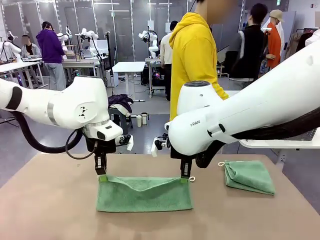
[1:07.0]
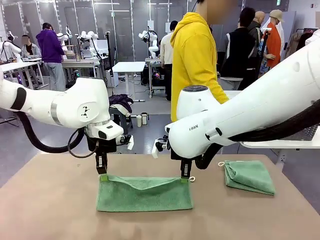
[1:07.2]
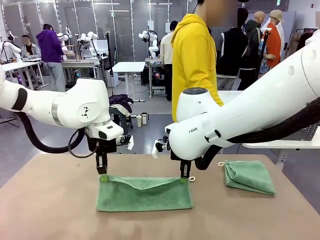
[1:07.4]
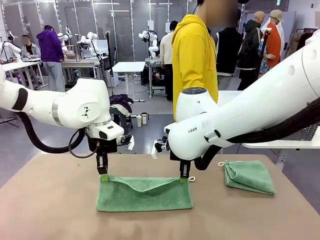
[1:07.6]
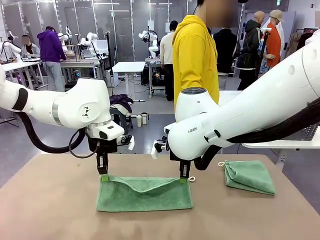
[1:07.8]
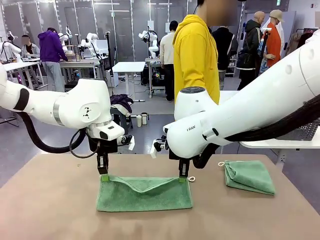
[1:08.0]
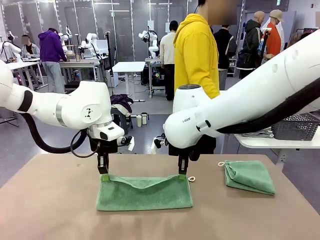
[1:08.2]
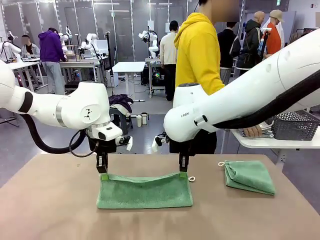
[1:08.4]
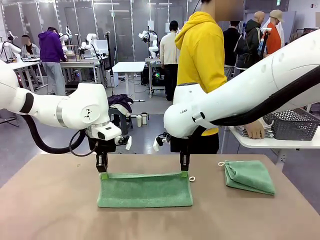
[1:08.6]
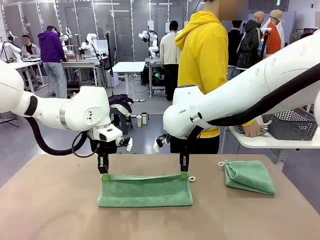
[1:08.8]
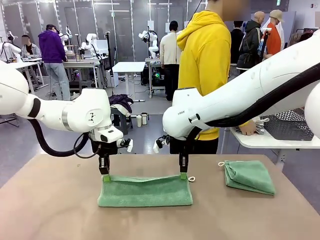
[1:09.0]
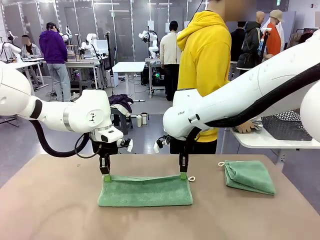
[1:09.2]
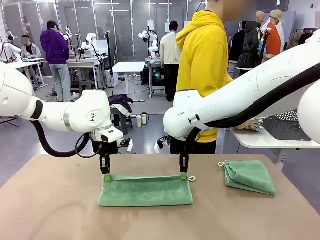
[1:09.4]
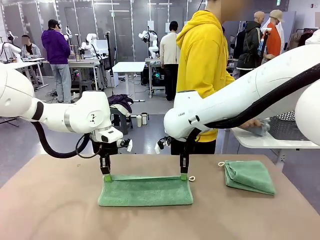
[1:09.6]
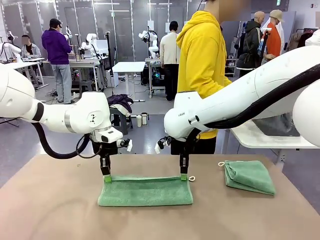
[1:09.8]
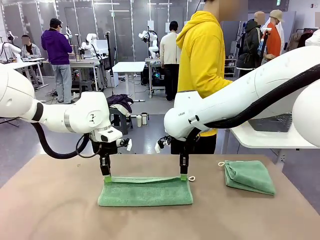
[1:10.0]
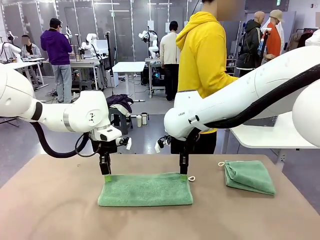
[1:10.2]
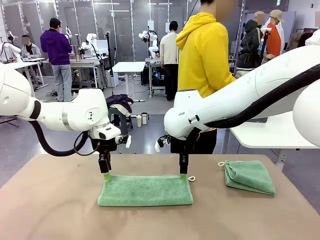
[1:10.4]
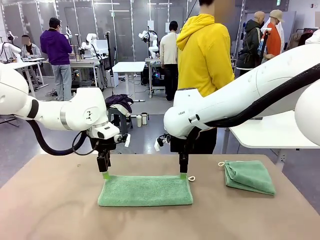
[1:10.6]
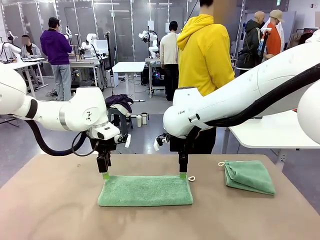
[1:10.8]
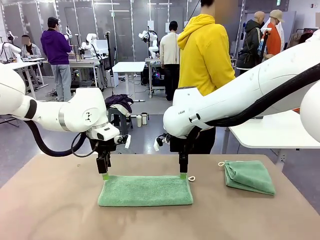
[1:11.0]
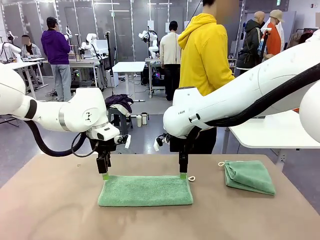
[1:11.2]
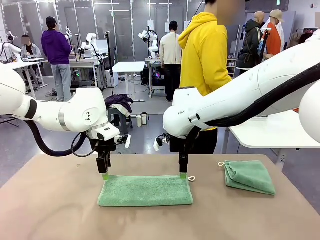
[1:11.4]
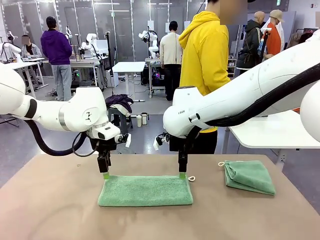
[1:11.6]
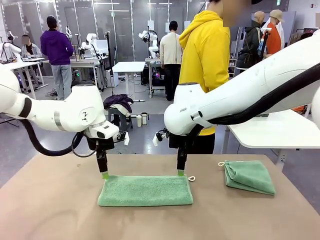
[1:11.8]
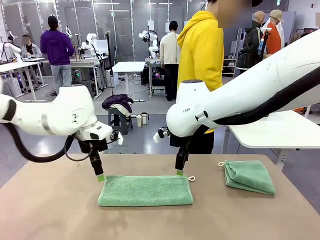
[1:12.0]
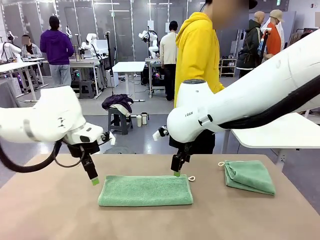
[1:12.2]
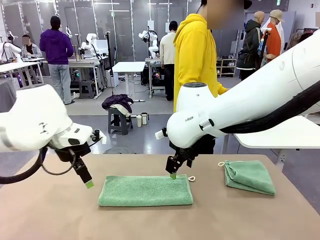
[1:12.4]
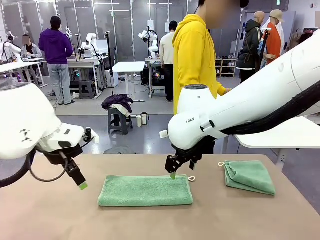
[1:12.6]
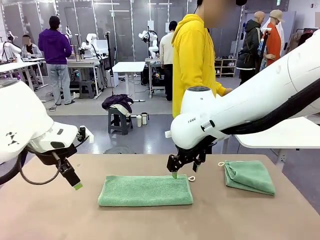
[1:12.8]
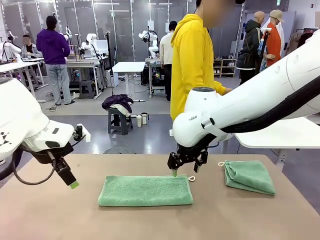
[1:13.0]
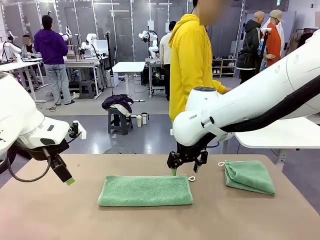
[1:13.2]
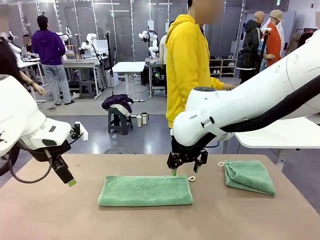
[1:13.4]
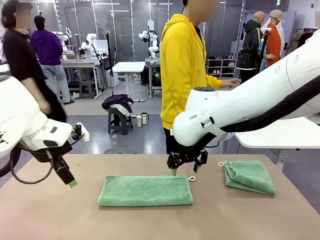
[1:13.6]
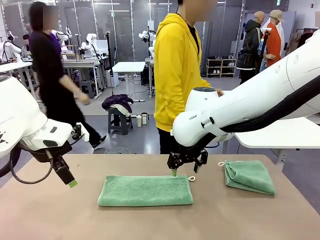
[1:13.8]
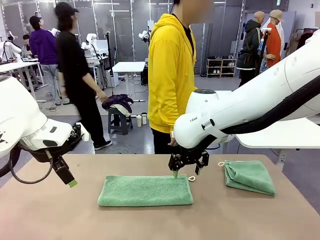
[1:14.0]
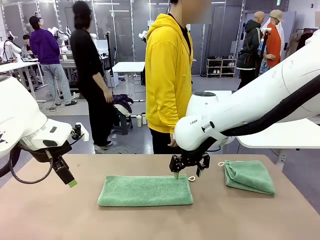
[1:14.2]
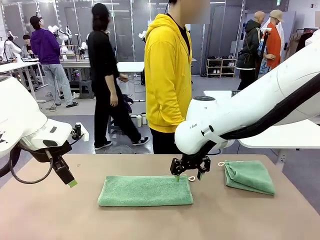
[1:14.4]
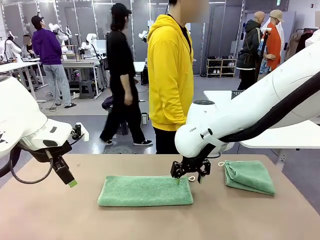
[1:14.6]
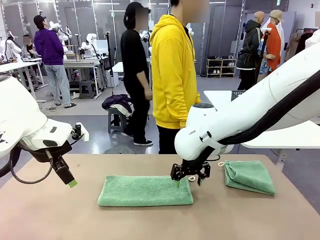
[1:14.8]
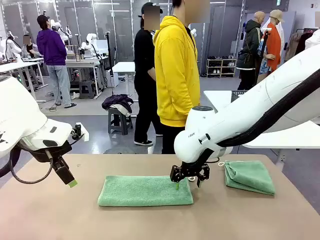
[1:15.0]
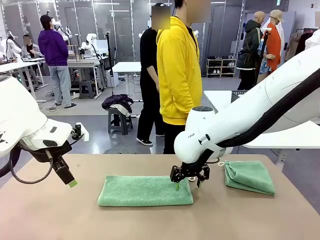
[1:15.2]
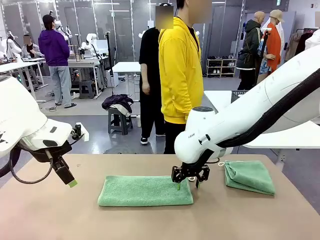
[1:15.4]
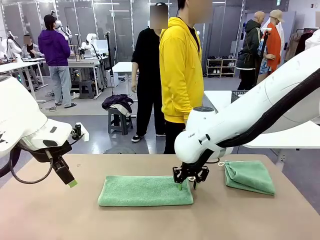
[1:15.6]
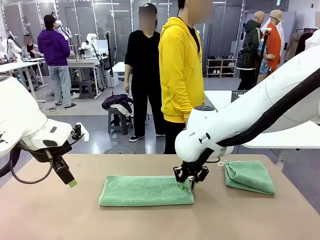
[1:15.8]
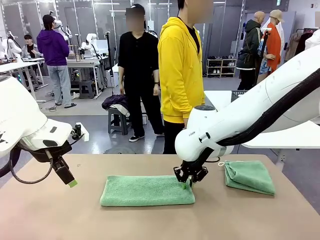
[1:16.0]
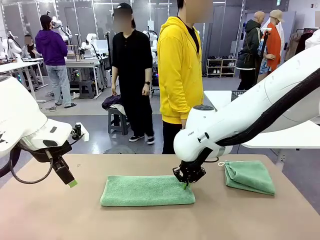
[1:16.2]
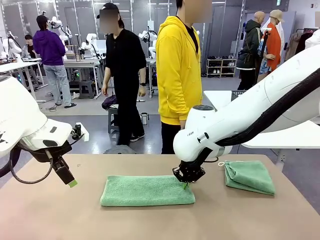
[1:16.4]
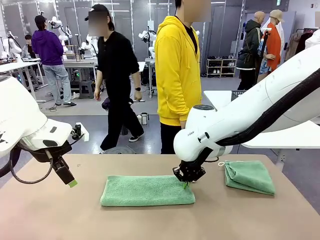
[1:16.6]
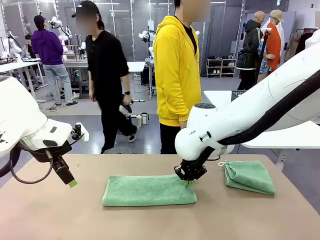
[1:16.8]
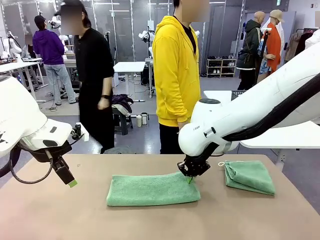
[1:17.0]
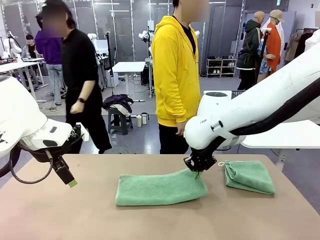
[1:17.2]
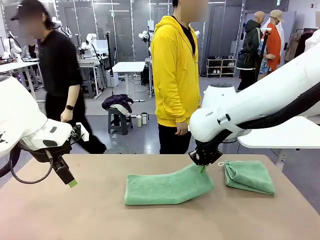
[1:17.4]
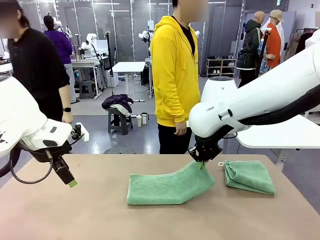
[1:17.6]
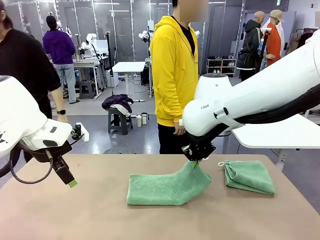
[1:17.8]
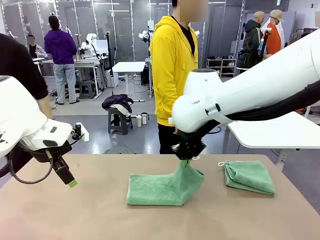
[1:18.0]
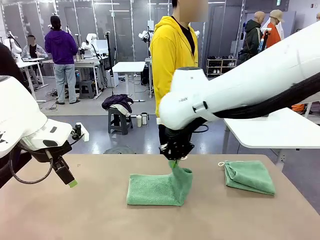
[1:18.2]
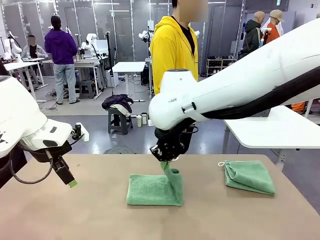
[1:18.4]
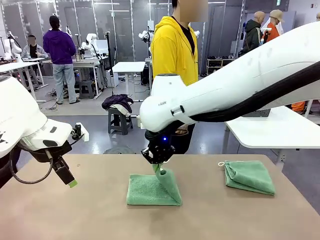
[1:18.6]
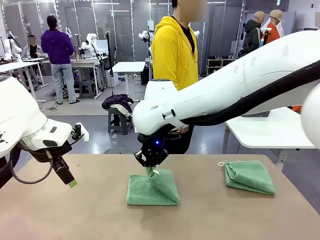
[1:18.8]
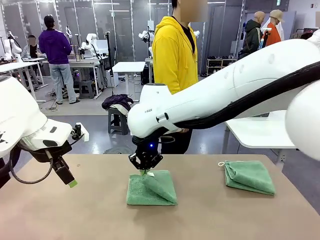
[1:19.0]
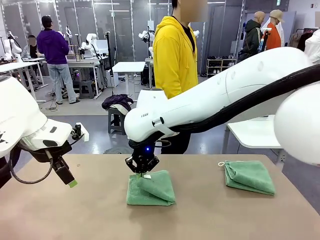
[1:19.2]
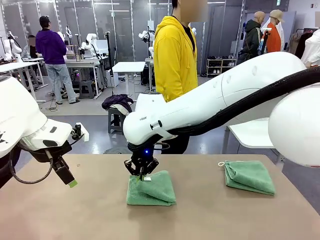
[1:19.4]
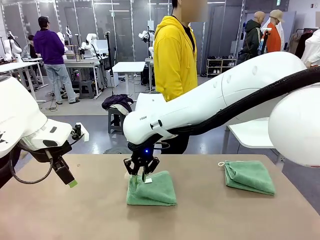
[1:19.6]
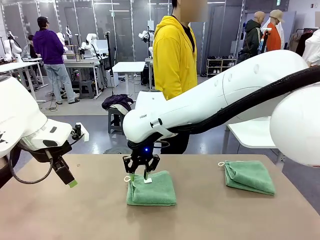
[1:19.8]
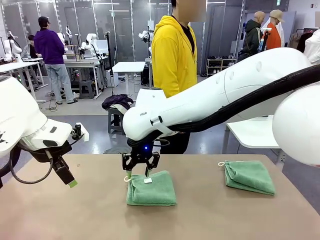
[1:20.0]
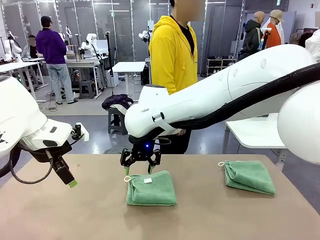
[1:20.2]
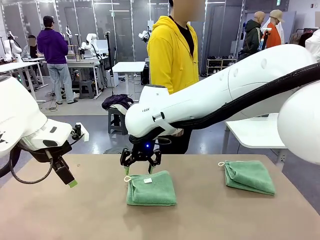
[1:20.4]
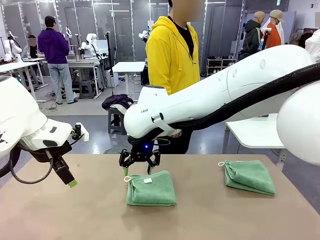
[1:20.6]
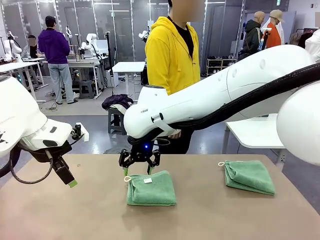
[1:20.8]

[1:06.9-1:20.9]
Task: Fold the towels and place them in the basket.
Robot: When a person lays out a Towel with hook on the table, fold it in half twice.
Person: Pick up the stack of towels from the right side of the human table, place it into the basket, and put the basket at the center of the table.
